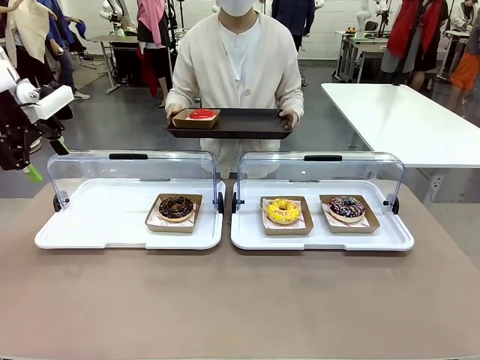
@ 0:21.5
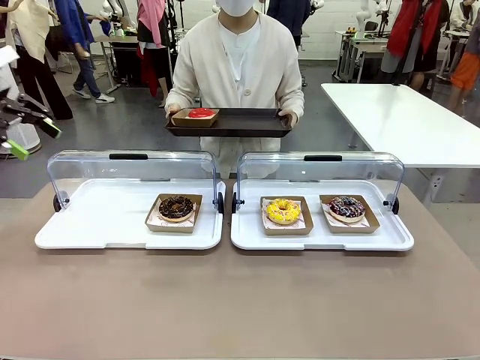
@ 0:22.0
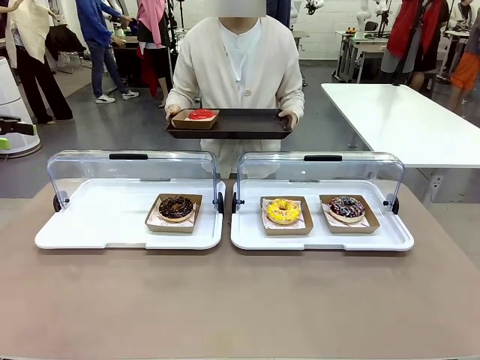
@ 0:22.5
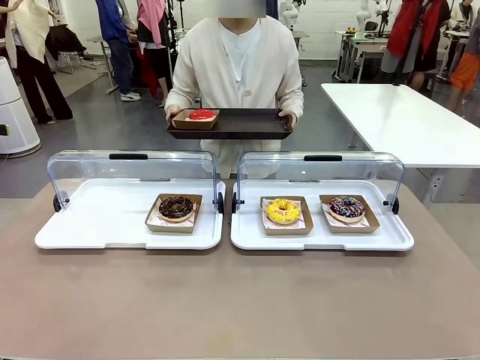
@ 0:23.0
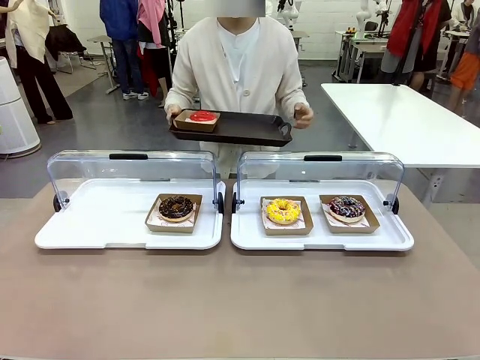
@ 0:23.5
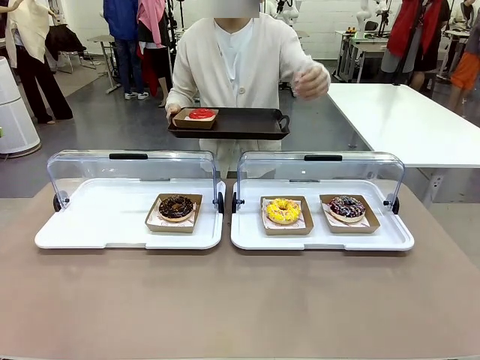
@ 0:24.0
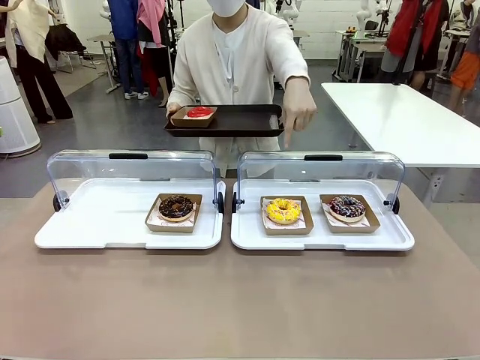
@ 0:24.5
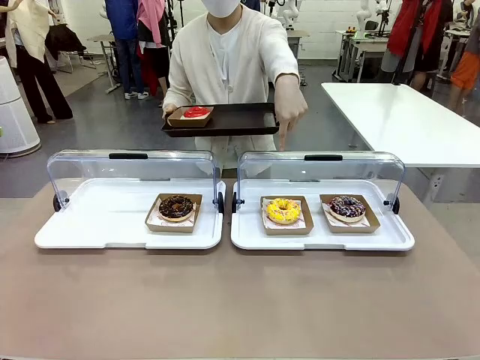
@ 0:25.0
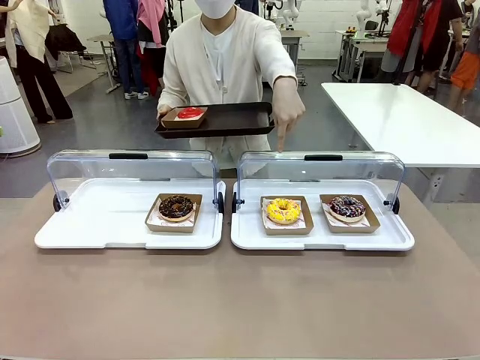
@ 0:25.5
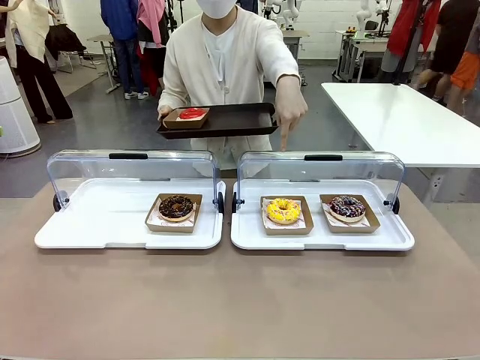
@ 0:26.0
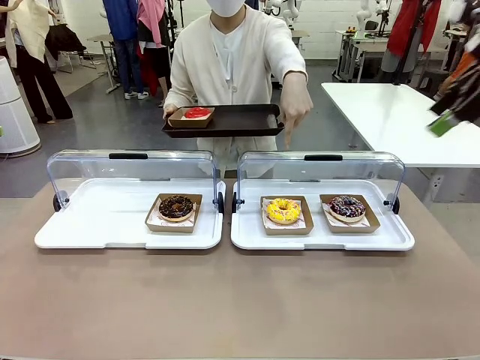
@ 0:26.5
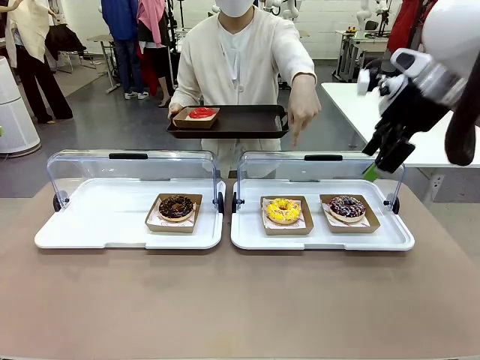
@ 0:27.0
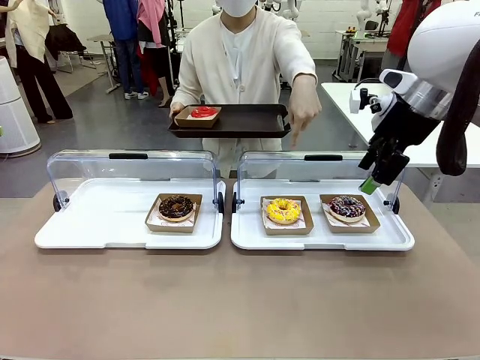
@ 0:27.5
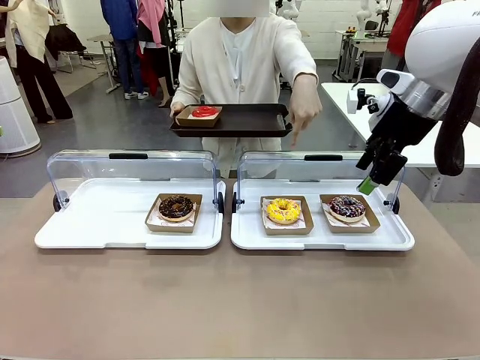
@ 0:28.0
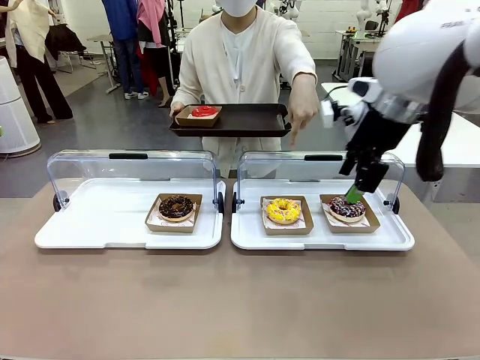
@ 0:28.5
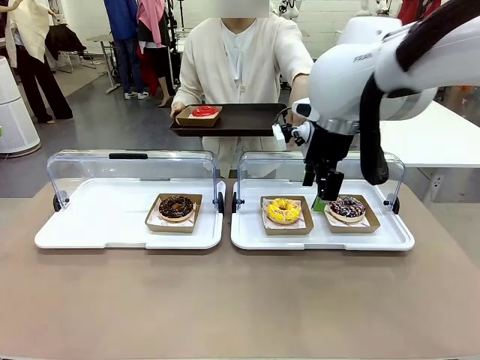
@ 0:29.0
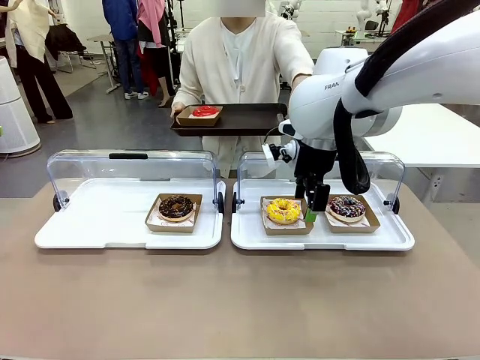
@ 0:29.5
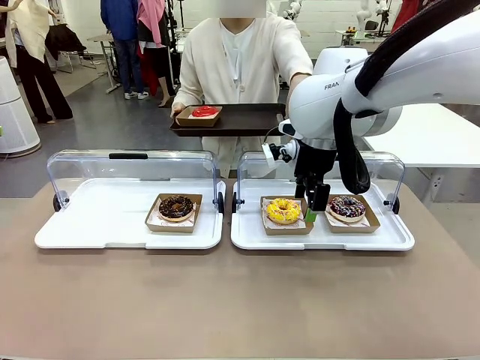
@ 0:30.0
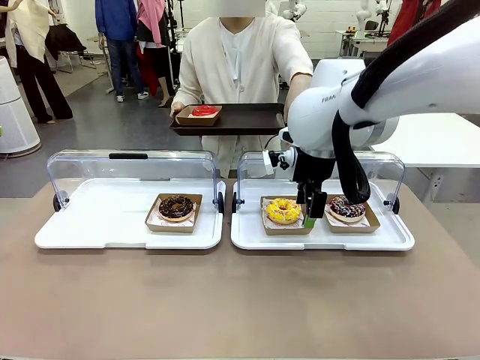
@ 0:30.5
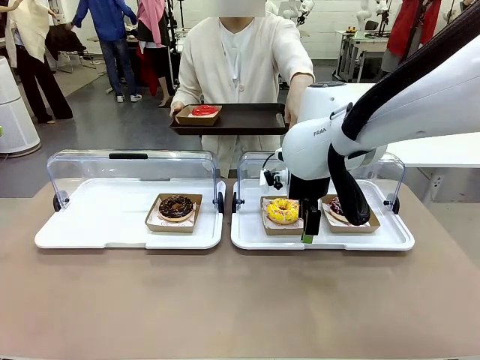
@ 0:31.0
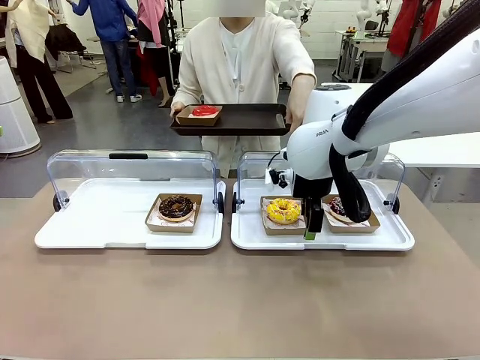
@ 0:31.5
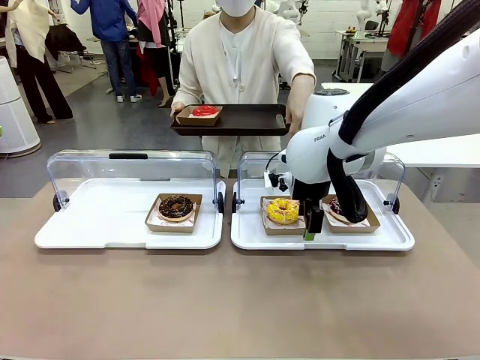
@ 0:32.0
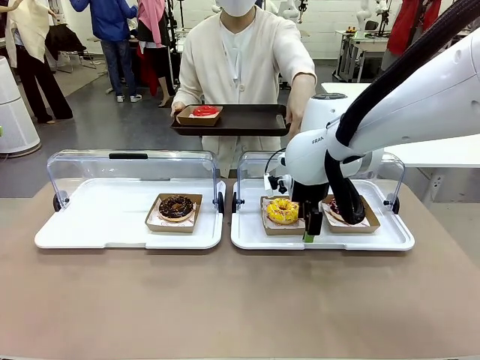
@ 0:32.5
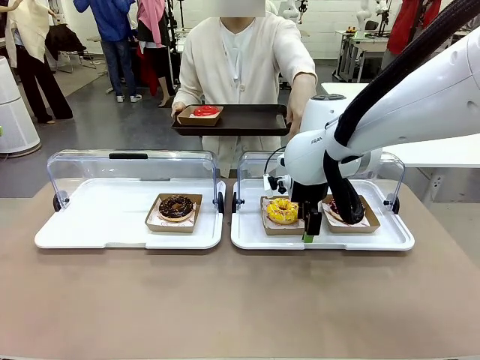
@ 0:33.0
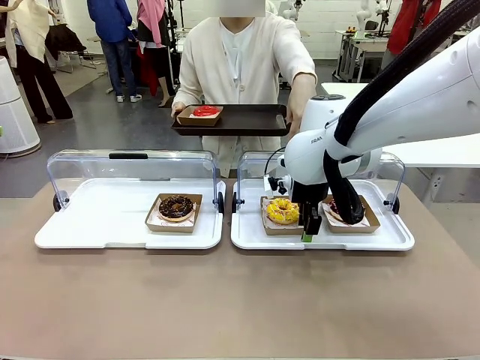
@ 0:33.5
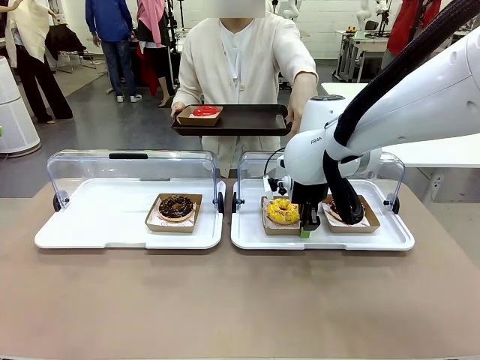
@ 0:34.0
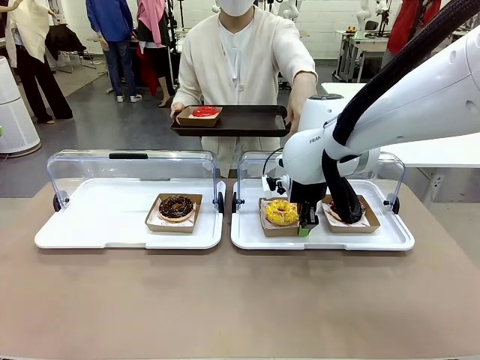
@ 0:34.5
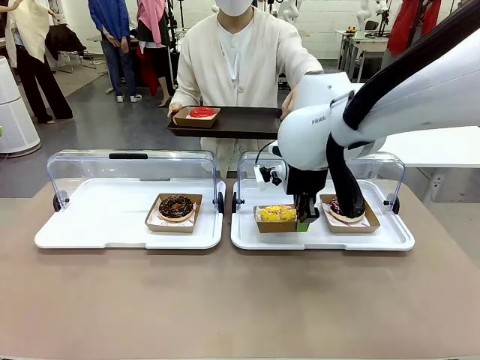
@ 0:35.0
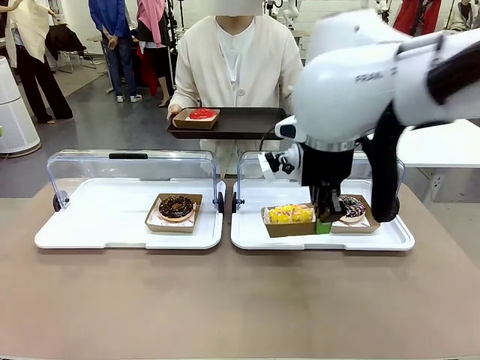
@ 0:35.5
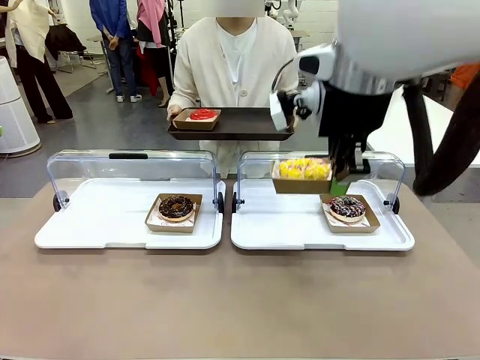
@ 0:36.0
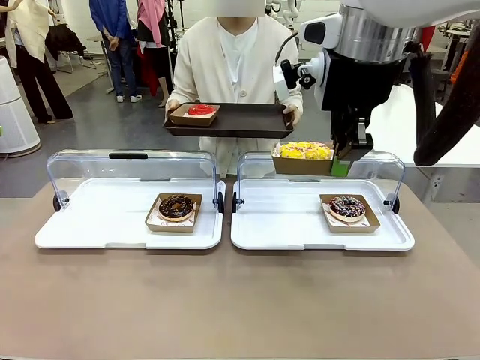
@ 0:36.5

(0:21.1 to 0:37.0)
Task: Provide the desired donut to the person.
Robot: Pick up and lift the Paper togo box containing the Donut pointed at by the person.
Person: Point to one donut. Lift the tray onto the Roll-Top Bakery Case.

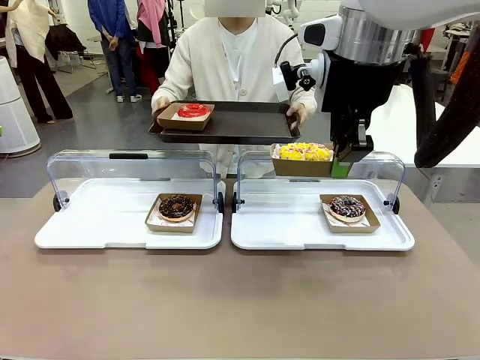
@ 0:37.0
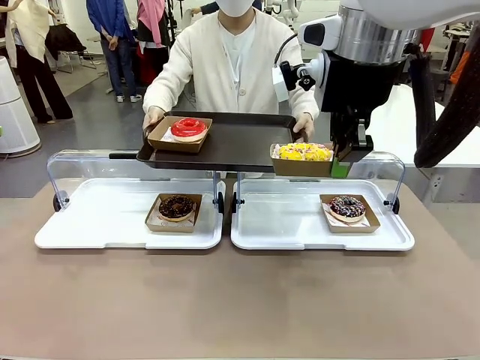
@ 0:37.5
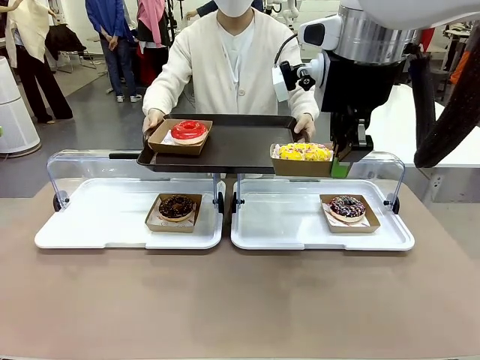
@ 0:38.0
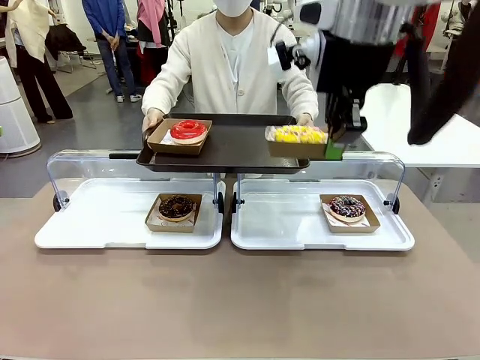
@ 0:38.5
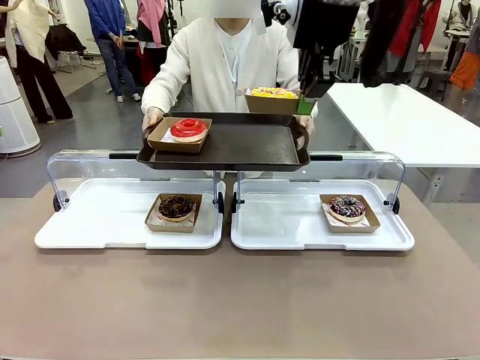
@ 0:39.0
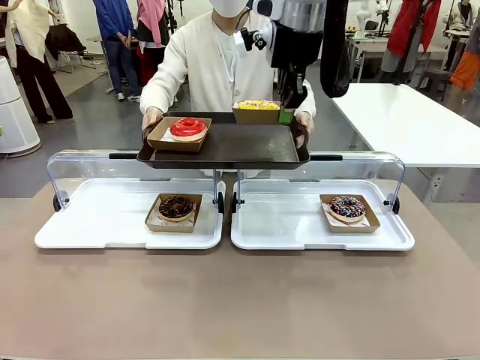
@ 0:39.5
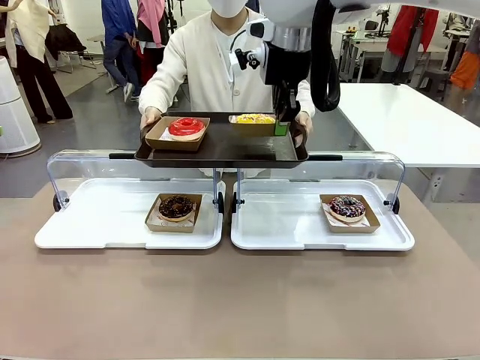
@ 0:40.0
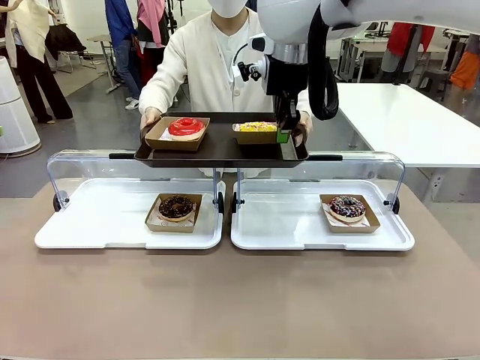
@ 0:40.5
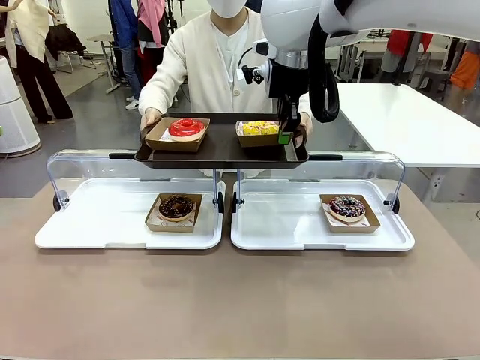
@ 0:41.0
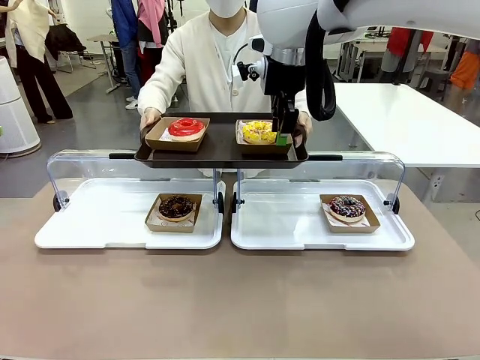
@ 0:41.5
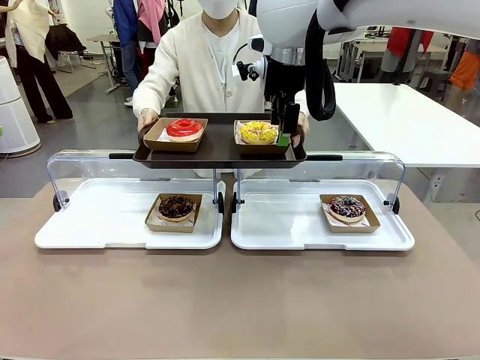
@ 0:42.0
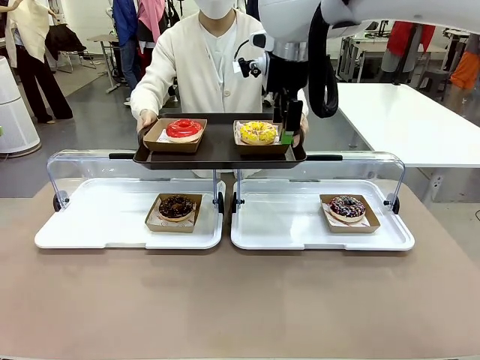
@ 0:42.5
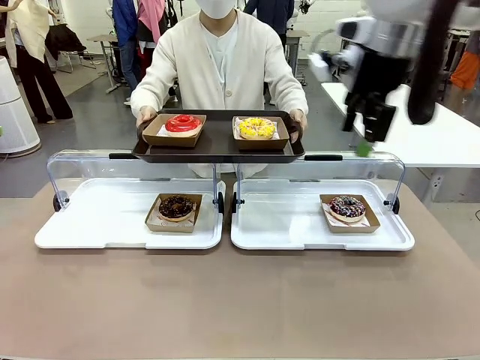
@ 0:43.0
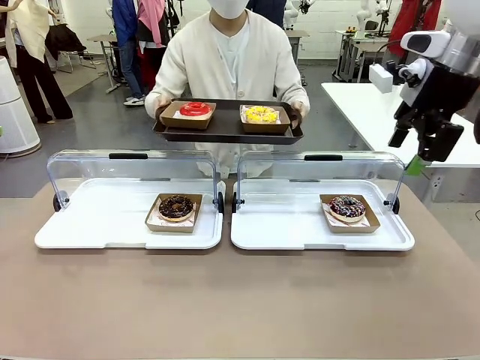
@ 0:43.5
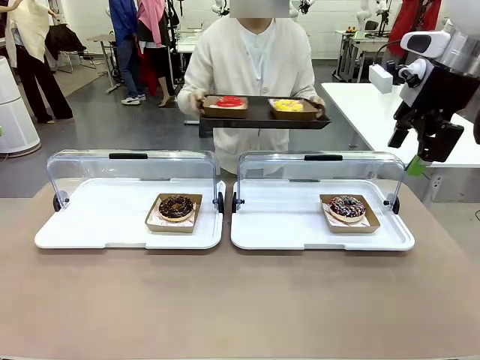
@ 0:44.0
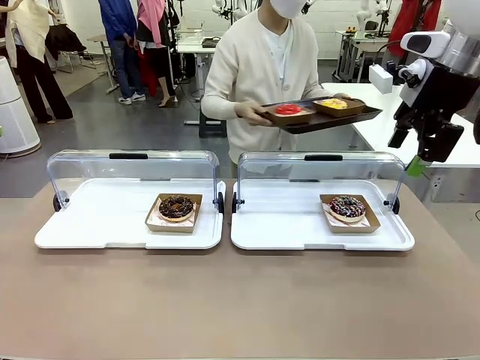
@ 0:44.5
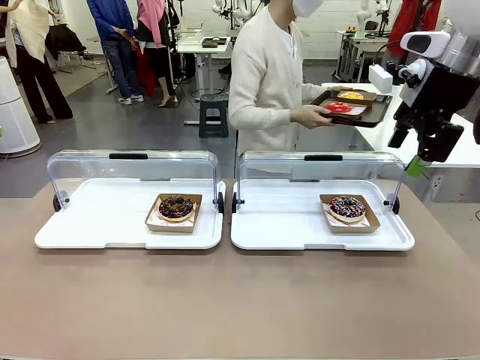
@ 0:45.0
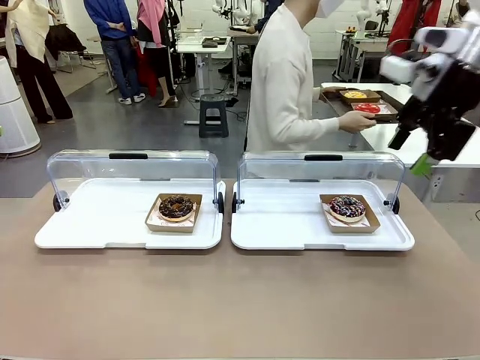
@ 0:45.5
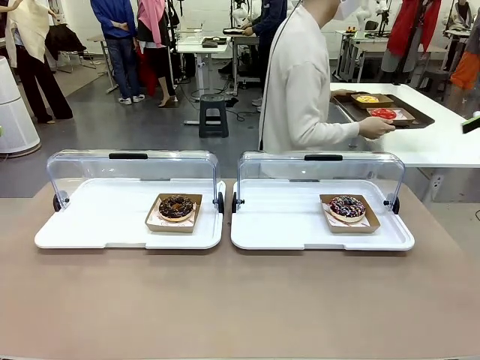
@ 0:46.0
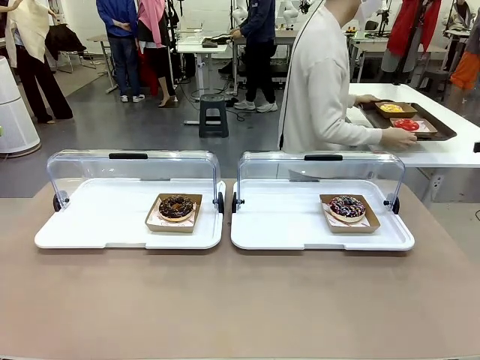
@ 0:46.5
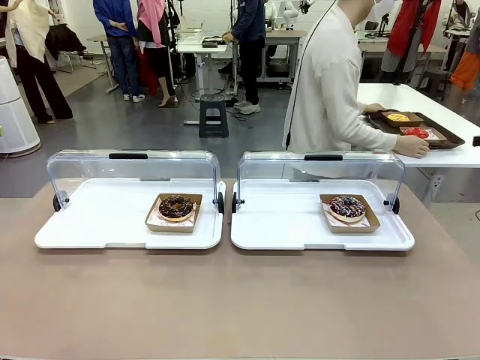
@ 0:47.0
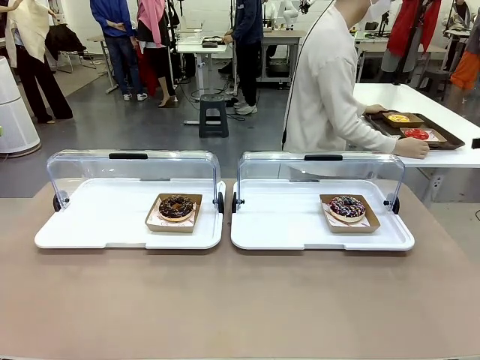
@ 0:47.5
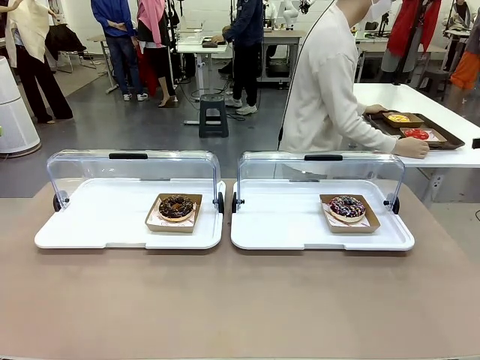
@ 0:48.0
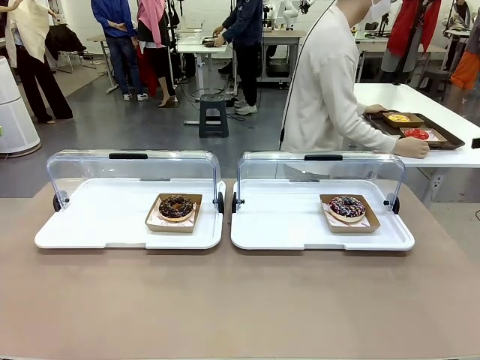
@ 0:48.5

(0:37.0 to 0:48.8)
Robot: Place the picked Paper togo box onto the Handle tray extended by the person.
Person: Place the tray in the middle of the human table.
